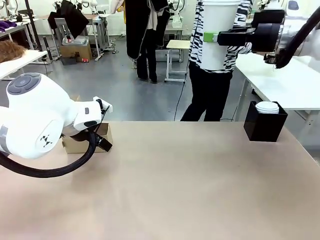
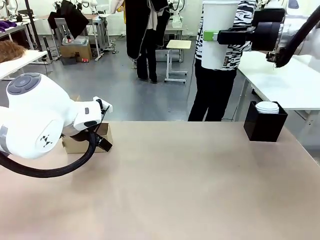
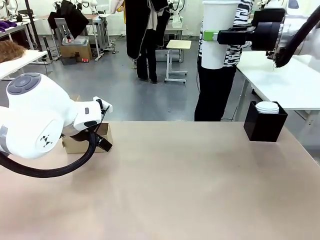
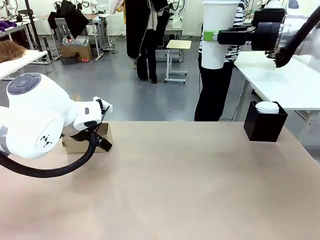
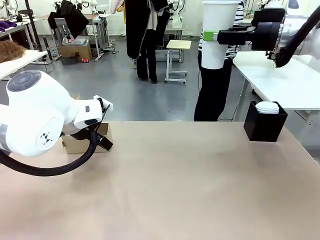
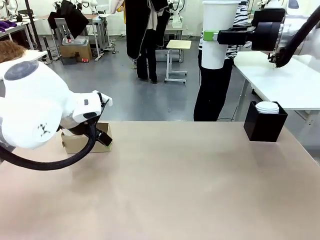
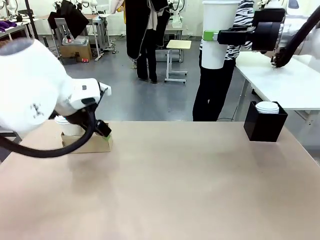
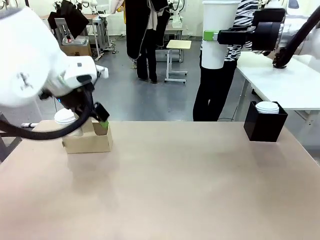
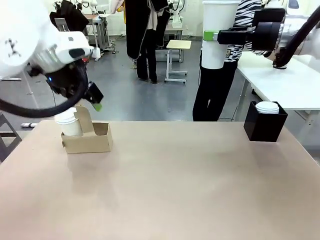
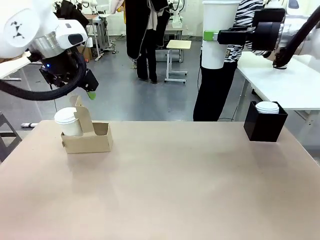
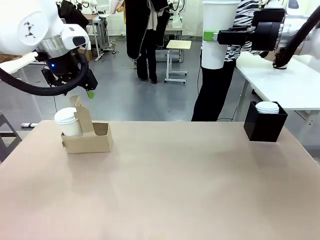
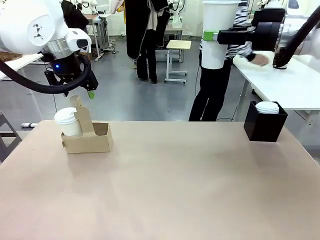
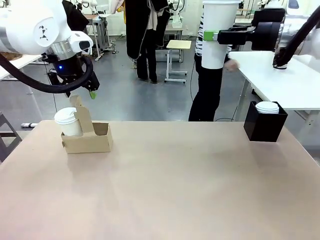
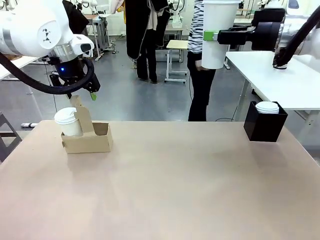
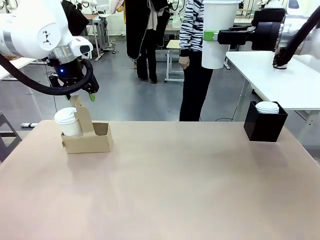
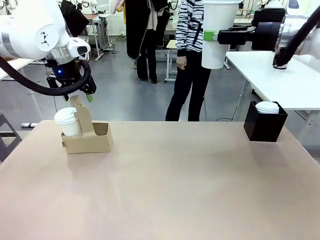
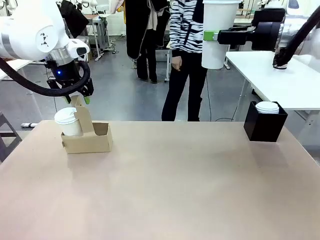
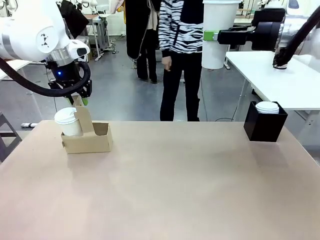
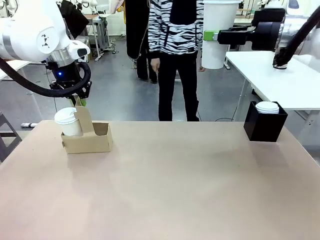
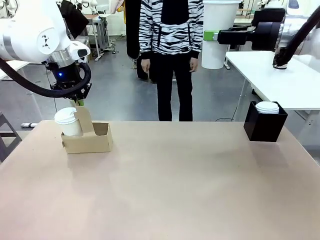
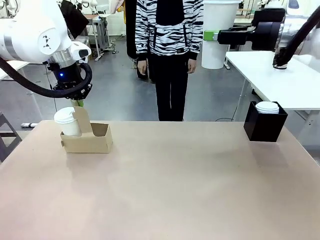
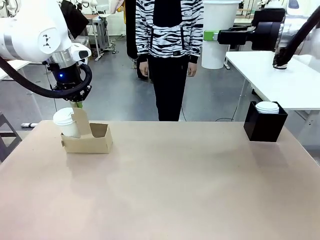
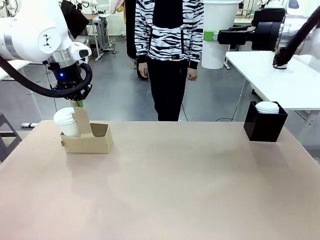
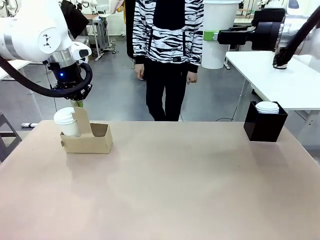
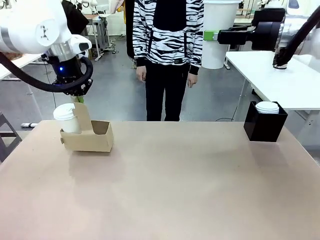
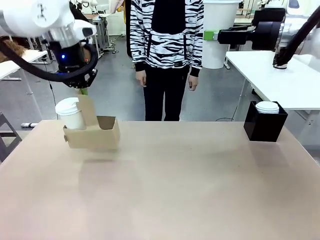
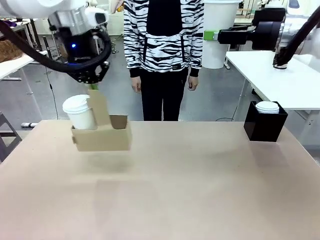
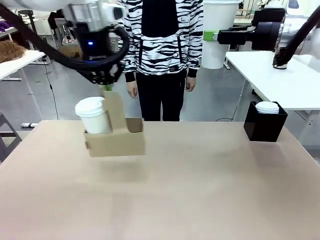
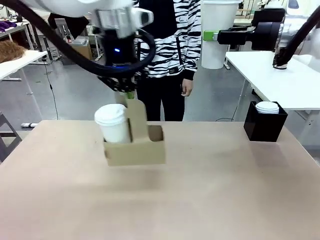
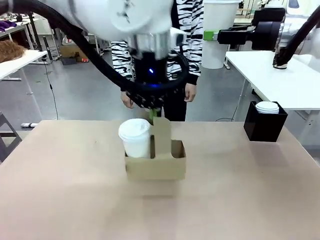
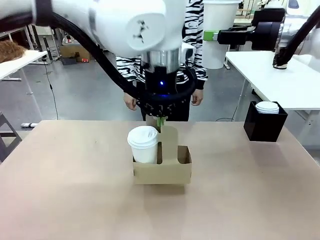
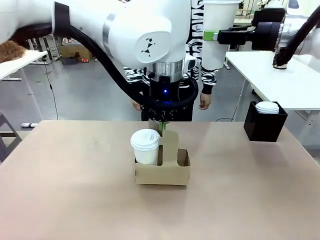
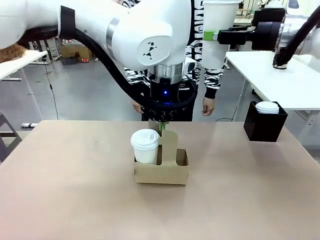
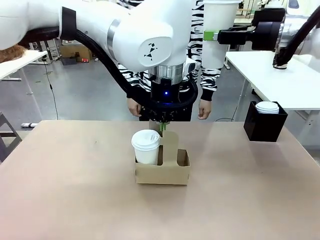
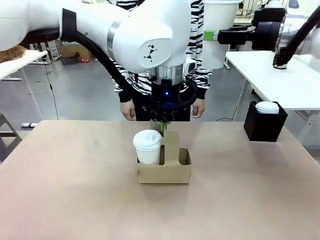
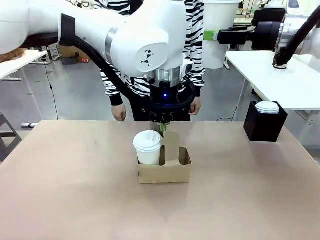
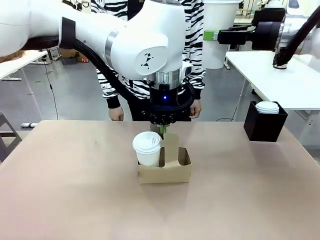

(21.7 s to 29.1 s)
Task: Pour a drink into a cup and package it in a carrier.
Robot: Position the Cup Carrier in the center of the table.
Person: Pick up the Filter Brewing and place on the middle of Human table, and return to the Robot table.

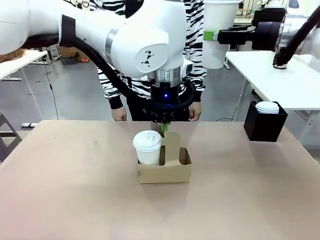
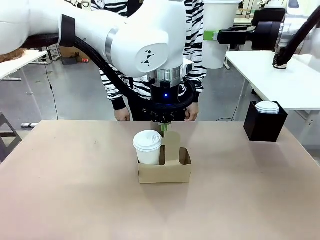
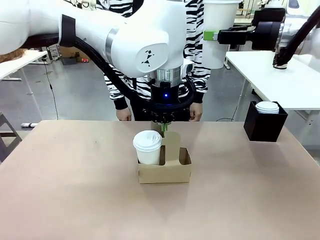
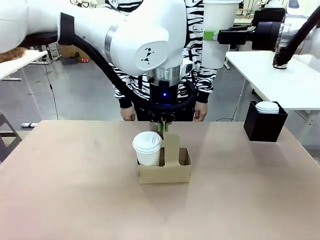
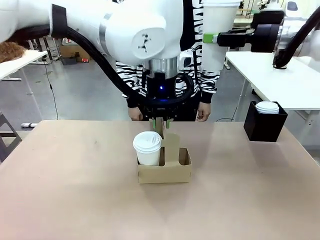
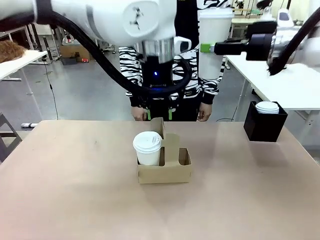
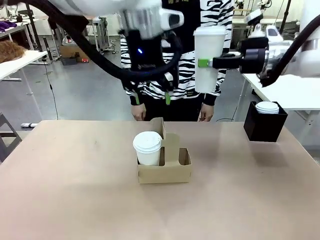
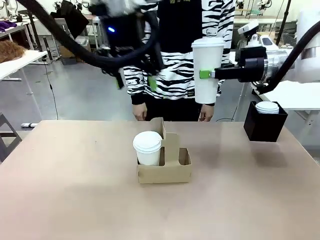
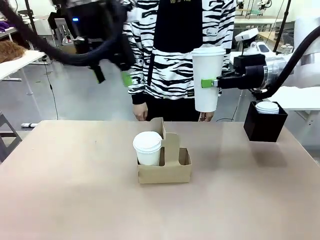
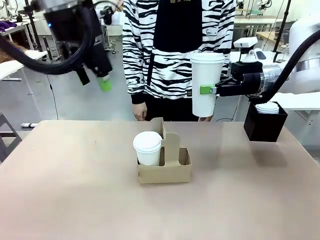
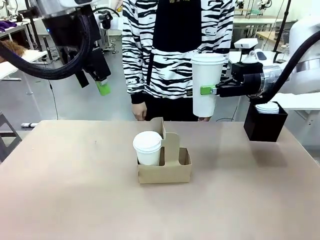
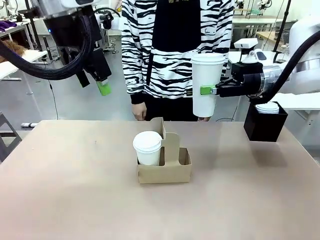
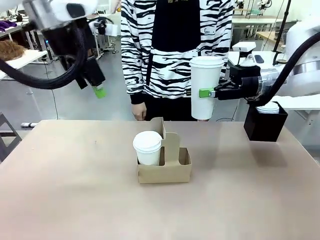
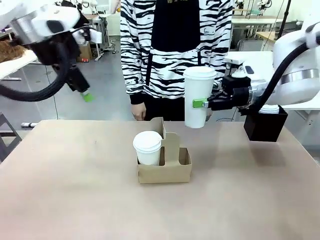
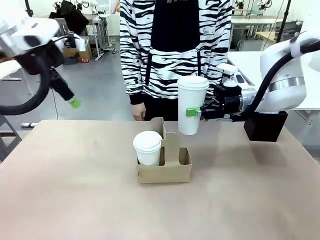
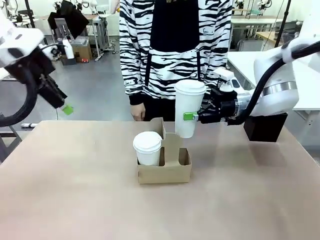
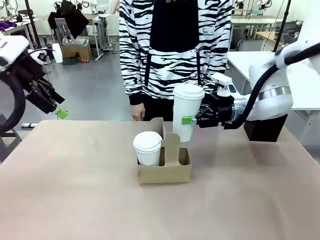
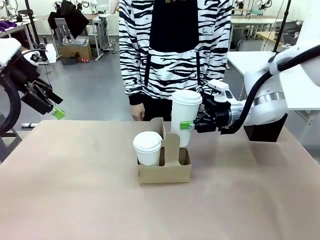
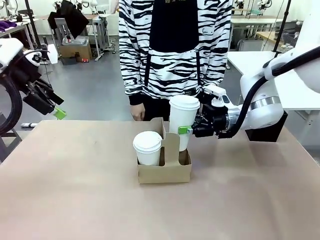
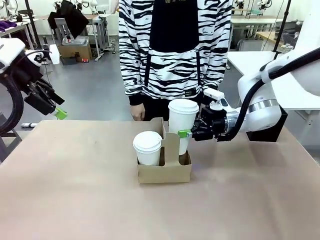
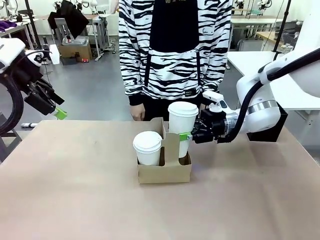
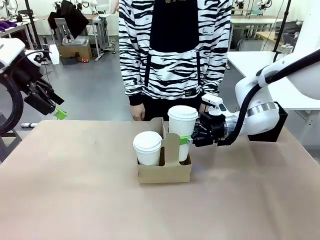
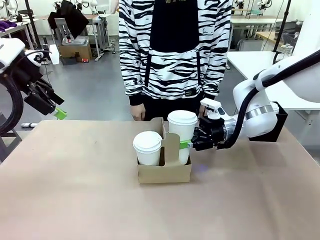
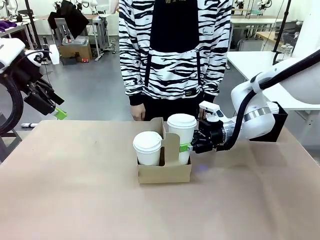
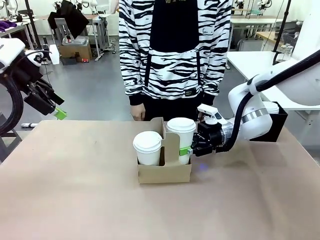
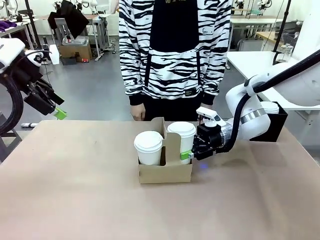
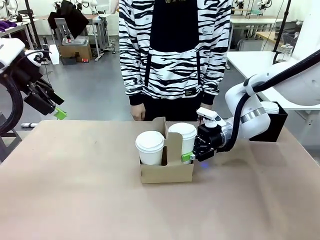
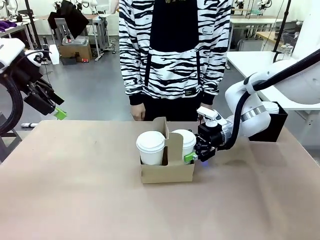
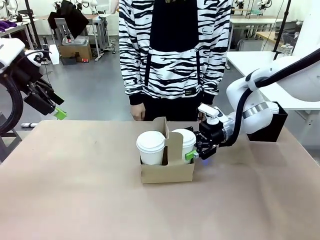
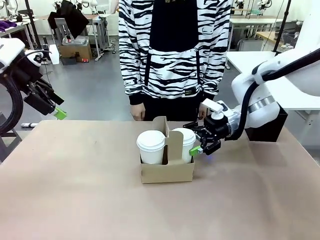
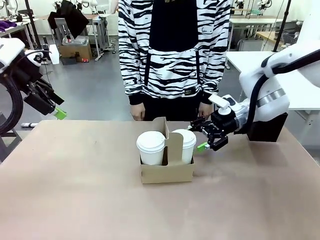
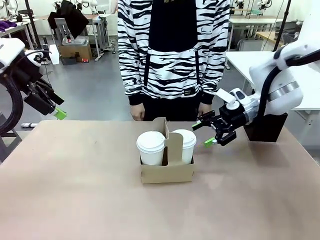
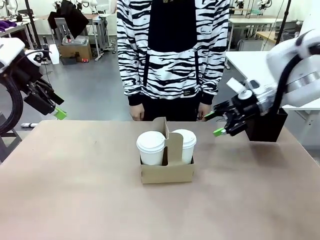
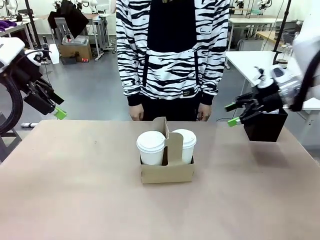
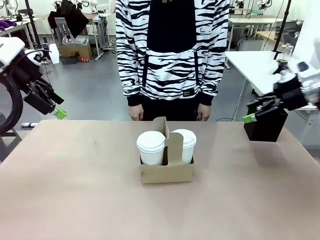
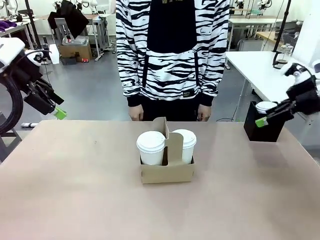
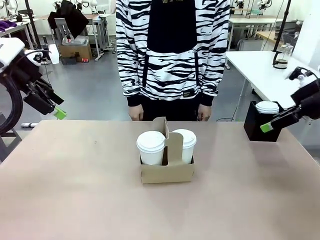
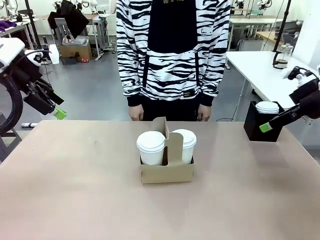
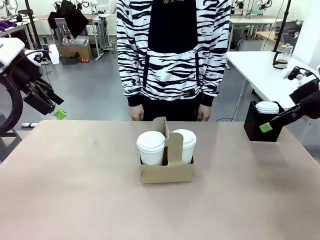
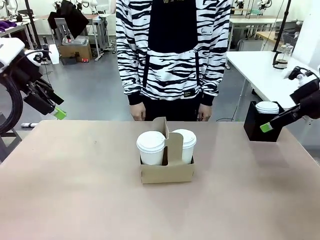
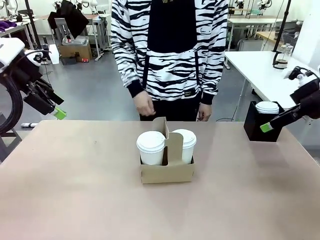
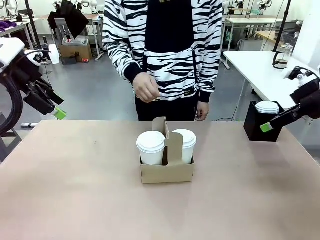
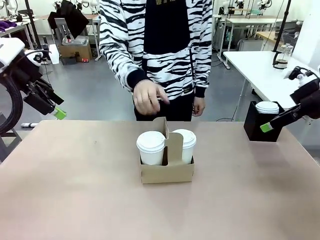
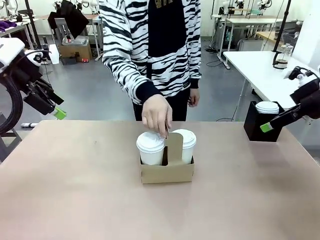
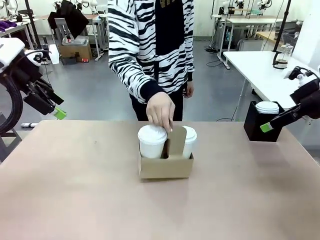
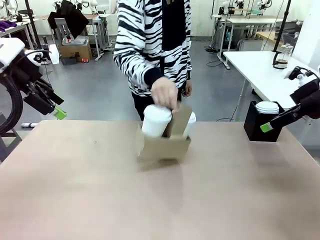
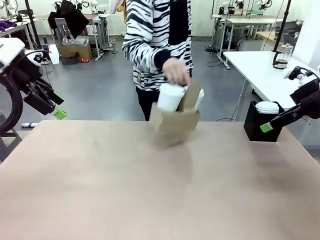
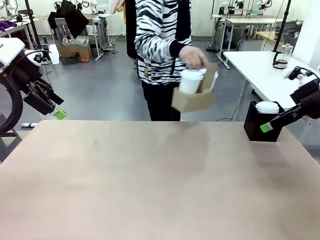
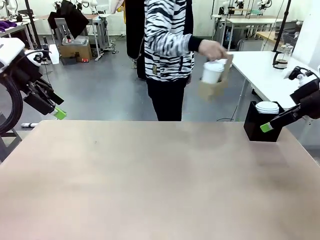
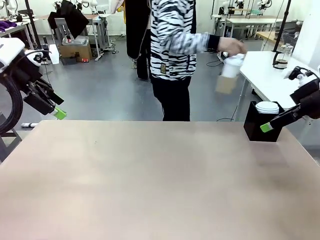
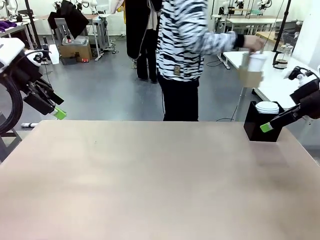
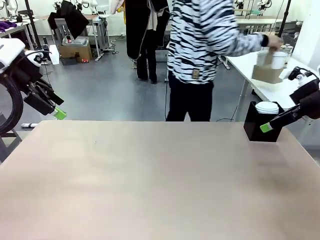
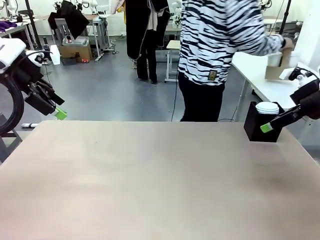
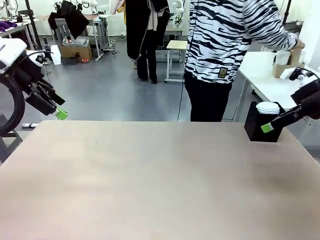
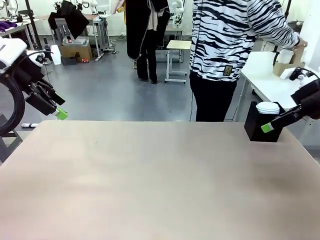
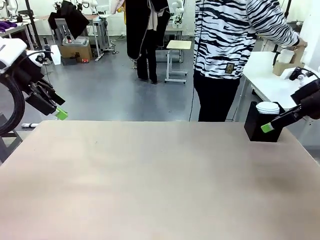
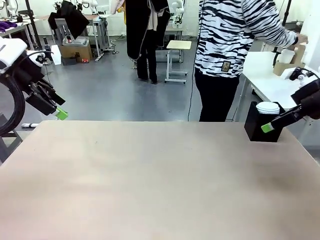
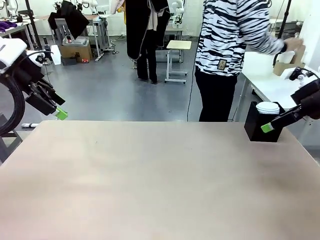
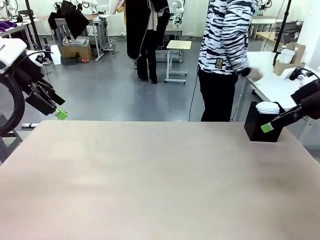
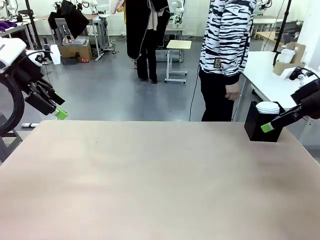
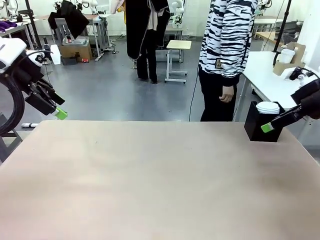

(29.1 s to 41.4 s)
Robot: Insert the held 600 ml Paper Cup into the Cup Carrier.
Person: Place the Cup Carrier to the middle of Human table.
